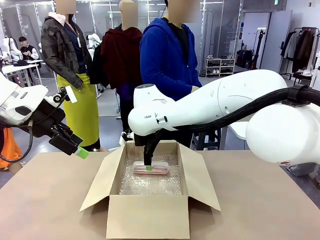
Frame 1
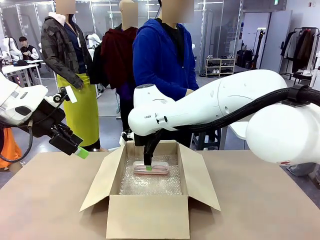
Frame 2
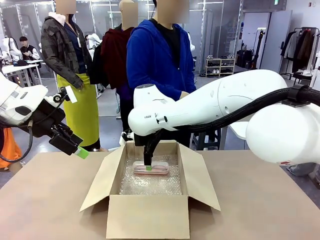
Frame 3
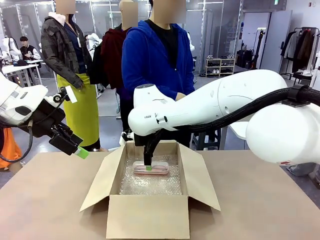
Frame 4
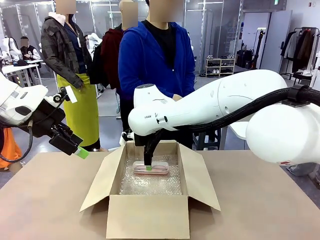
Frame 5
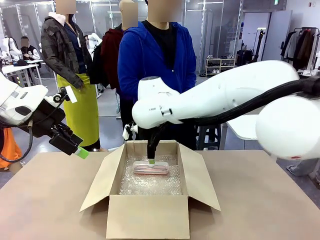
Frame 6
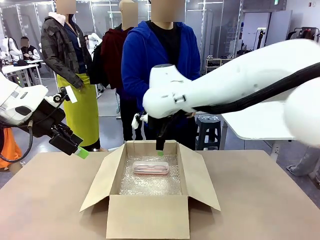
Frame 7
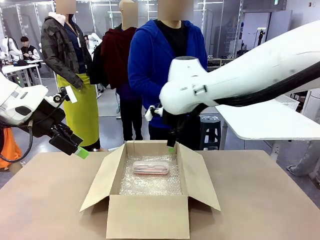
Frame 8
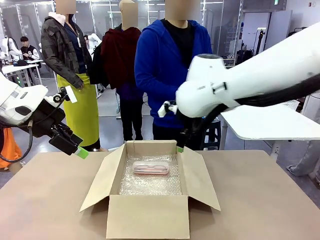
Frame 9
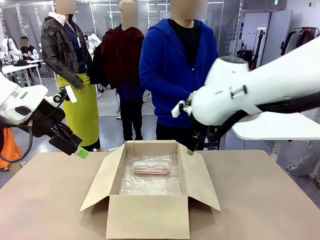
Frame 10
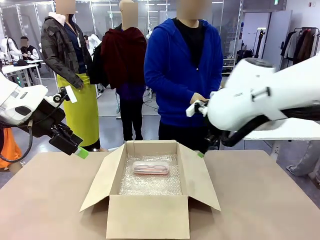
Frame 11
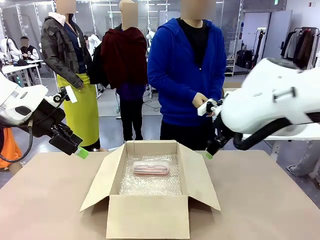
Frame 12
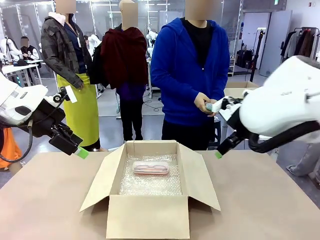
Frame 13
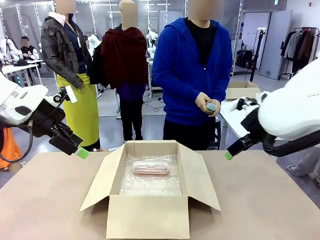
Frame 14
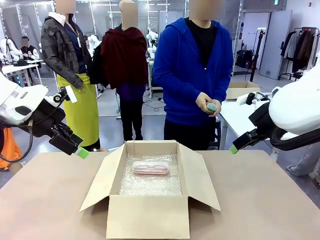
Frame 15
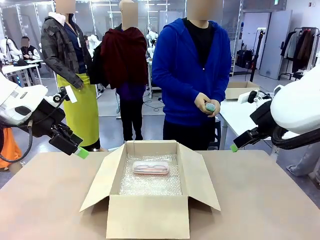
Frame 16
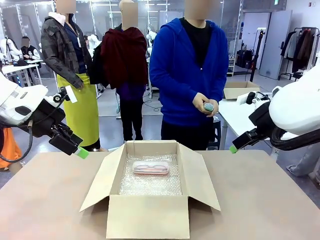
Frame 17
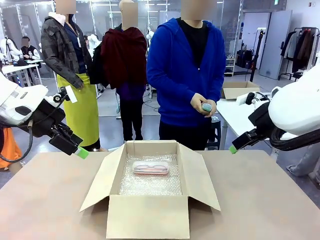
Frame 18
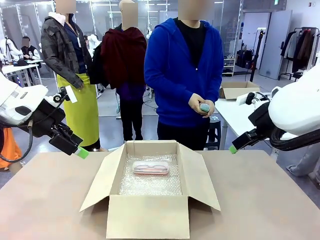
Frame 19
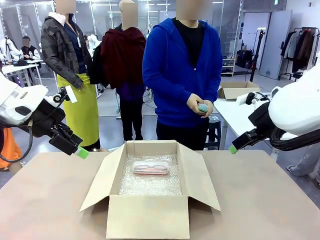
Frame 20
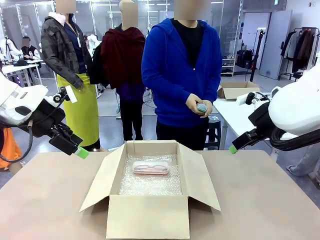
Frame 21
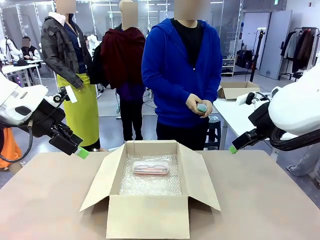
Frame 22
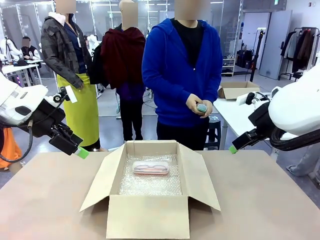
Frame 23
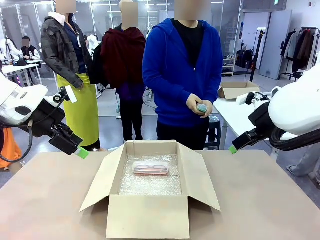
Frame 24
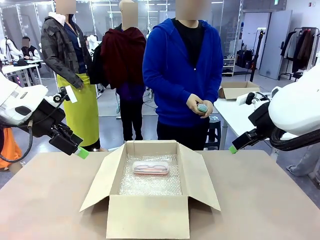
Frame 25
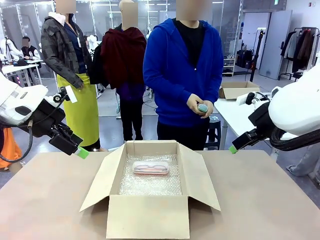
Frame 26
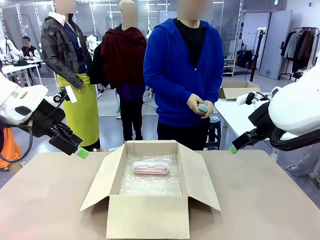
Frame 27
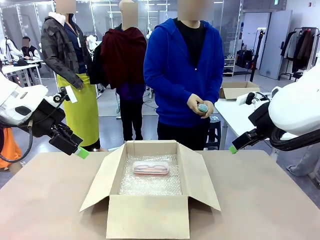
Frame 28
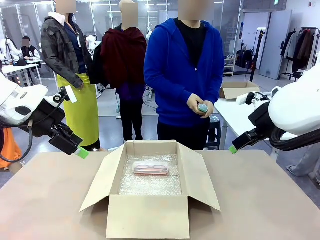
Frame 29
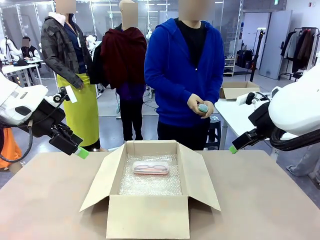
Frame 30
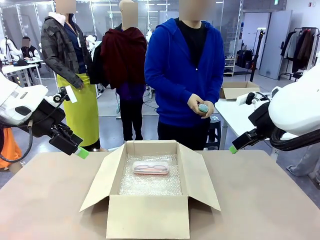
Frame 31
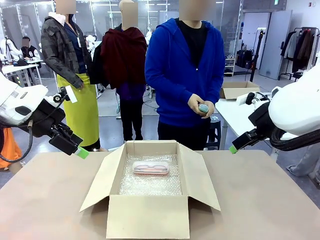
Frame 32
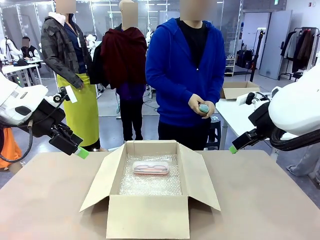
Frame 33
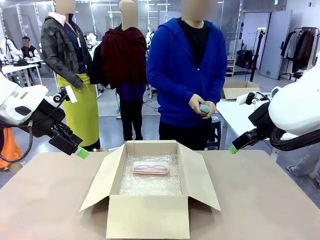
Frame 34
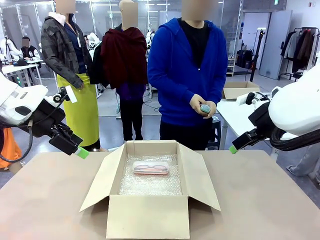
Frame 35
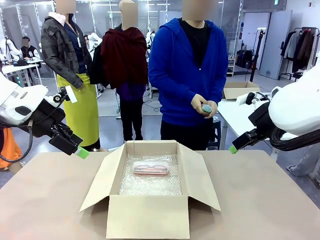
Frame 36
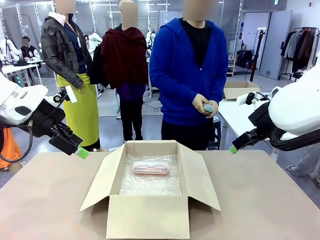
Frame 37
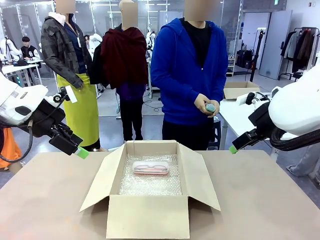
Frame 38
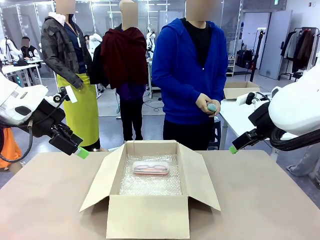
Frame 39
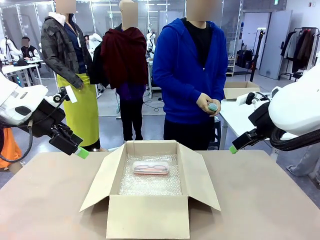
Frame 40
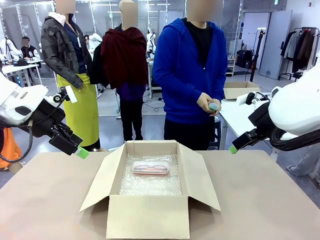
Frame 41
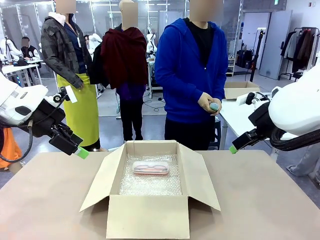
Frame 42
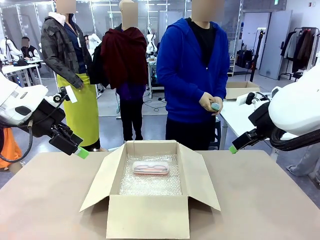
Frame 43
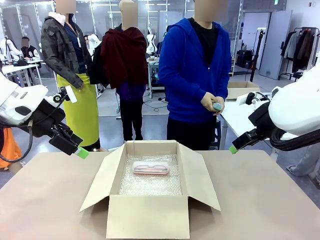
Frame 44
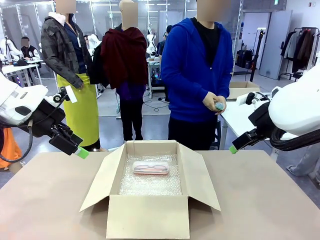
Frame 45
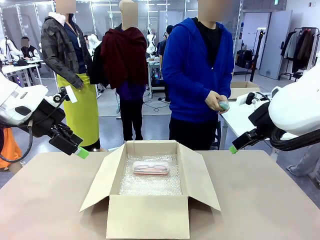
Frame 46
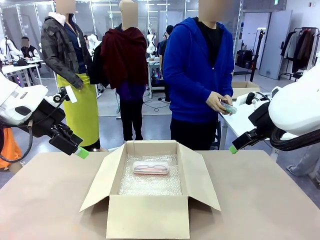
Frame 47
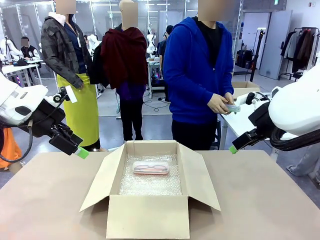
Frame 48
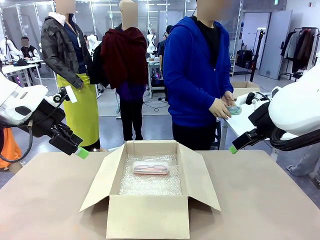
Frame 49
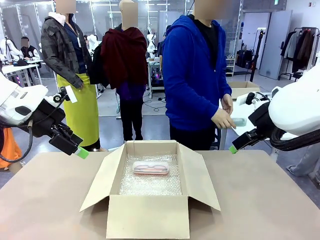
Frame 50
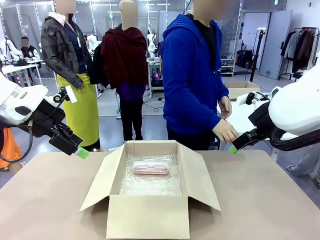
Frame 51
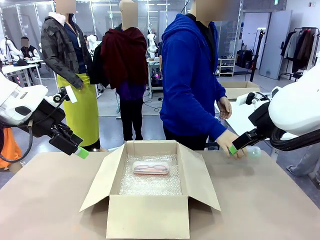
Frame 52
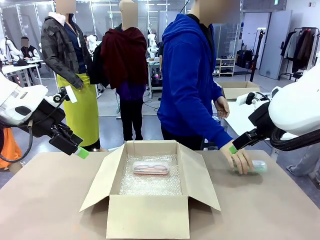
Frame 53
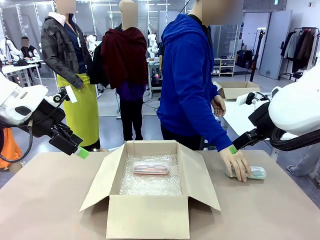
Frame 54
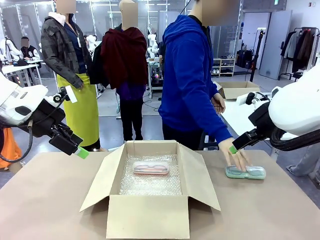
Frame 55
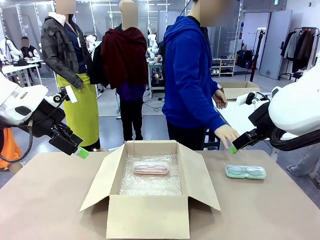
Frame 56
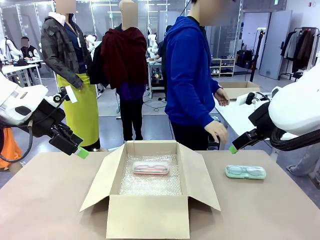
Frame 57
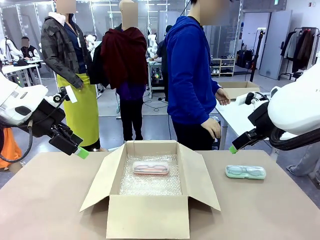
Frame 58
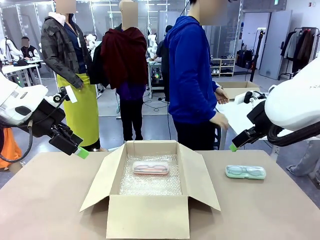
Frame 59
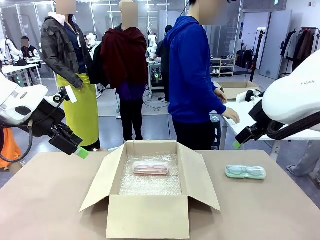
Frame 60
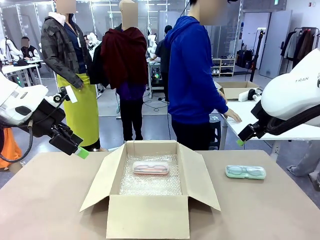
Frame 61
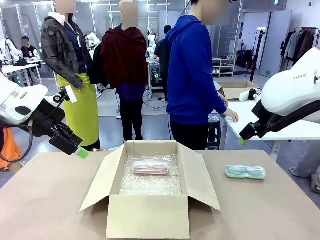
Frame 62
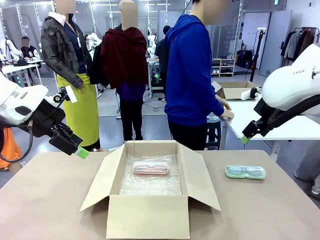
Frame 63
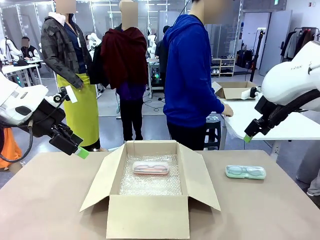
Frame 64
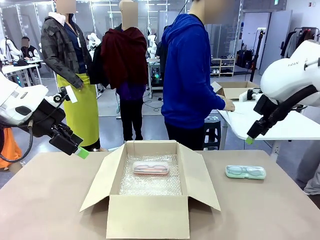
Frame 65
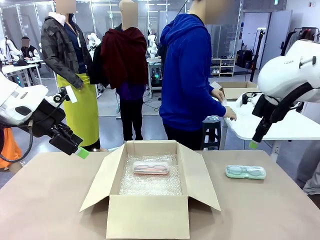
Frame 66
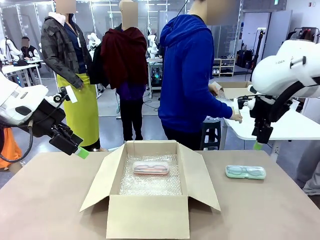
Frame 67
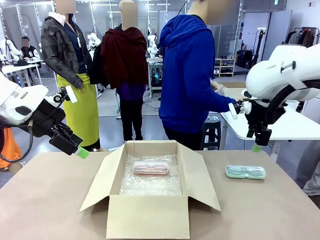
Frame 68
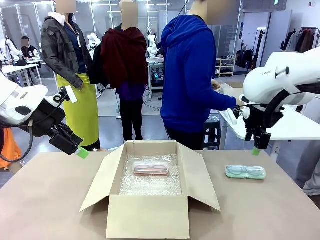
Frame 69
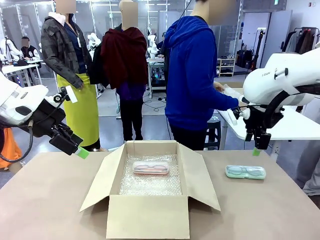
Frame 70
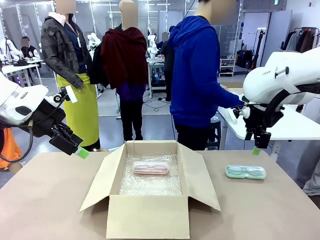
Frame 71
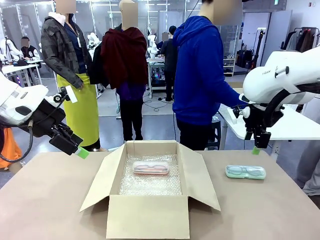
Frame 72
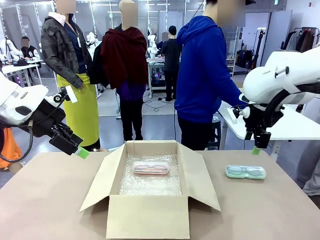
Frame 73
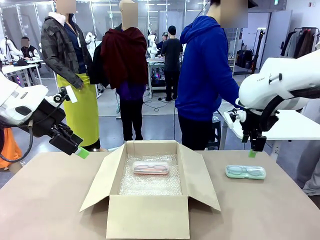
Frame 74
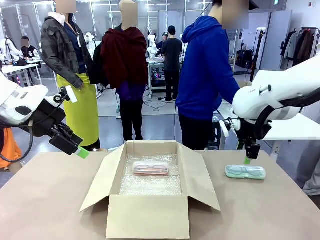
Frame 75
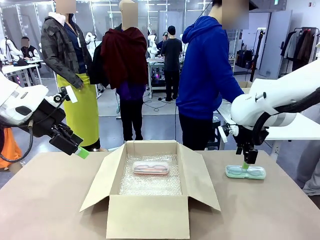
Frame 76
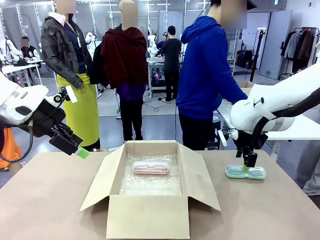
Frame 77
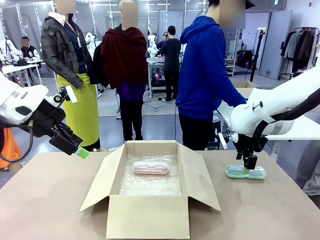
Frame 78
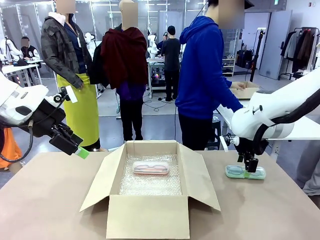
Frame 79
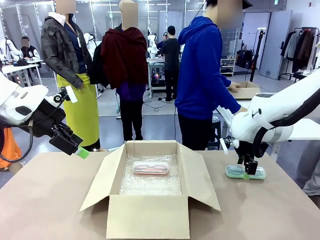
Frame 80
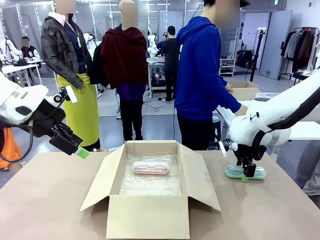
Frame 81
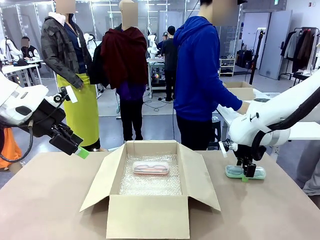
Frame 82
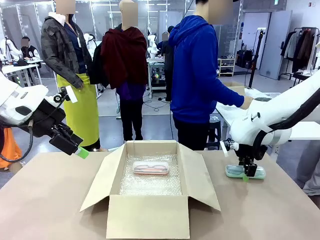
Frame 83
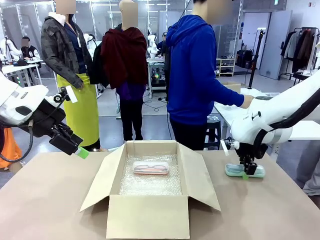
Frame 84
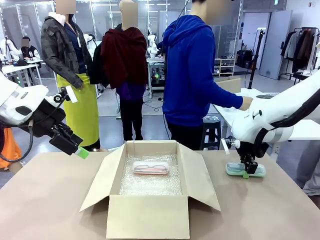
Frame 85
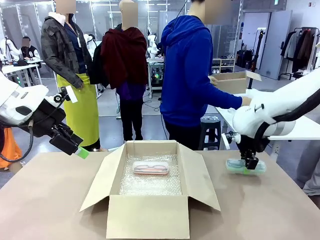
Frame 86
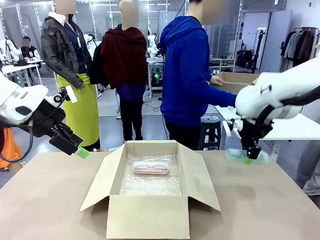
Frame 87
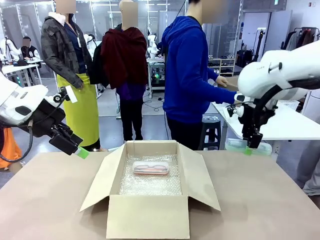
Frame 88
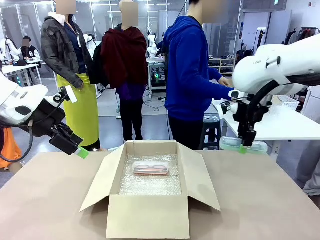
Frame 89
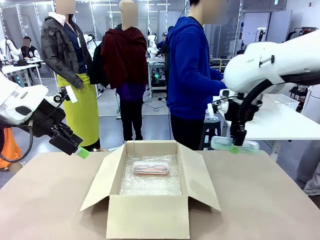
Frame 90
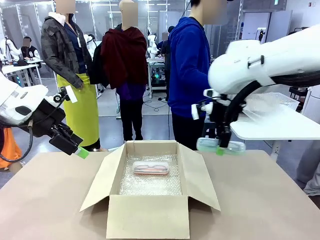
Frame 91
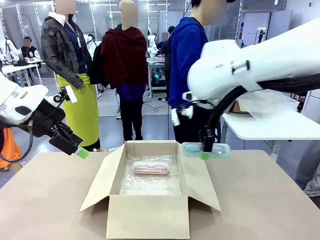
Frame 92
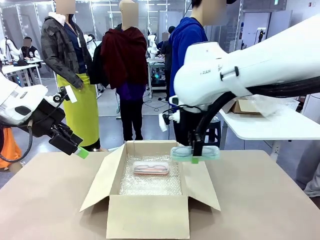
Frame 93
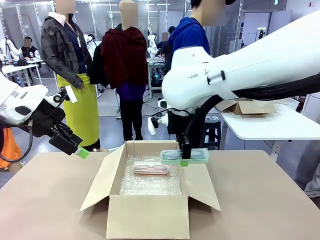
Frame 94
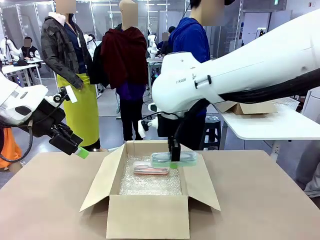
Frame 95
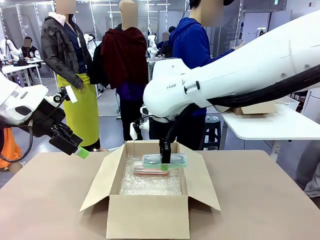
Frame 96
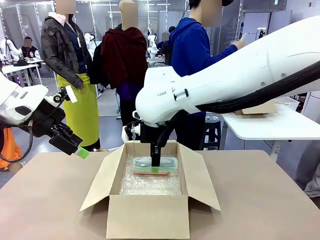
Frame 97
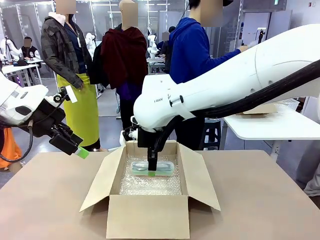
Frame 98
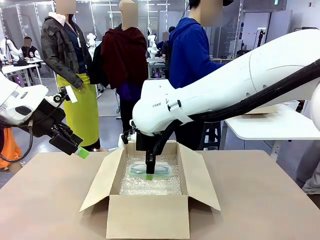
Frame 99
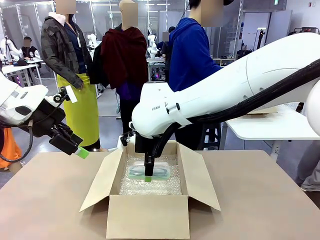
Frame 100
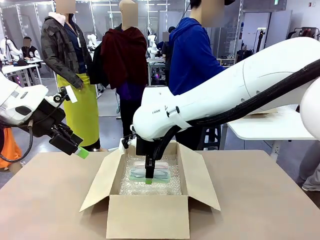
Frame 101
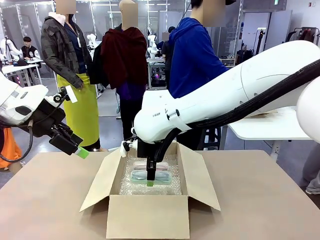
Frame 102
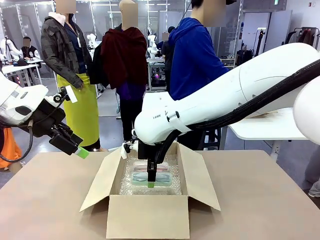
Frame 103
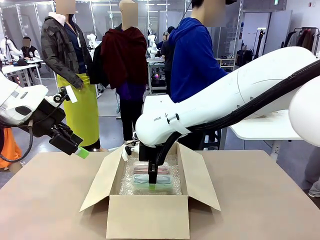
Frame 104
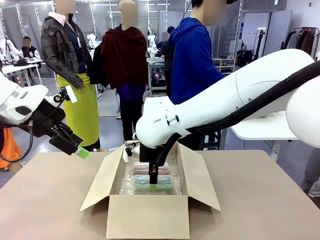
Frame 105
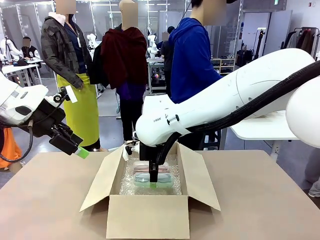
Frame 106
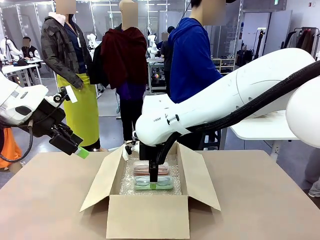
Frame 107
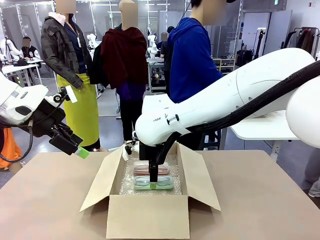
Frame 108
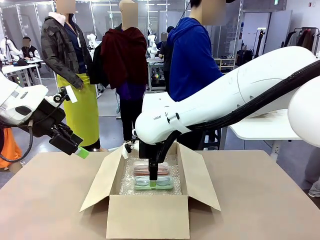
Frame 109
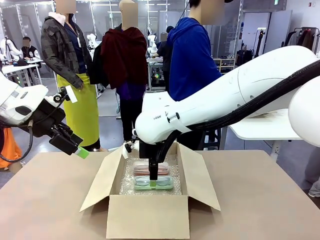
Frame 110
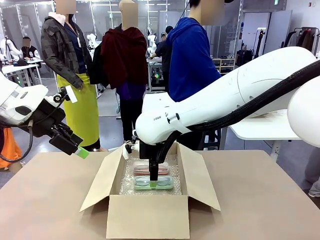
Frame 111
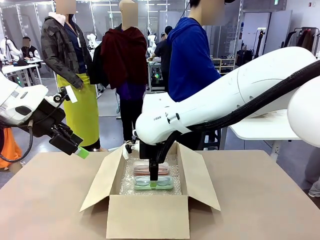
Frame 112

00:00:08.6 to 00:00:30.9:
Task: Pack the glasses set securely to prepare it for shipping.
Robot: Put the Glasses case from the right side of the table into the Package Box.
Person: Position the Glasses case on the left side of the robot's table.
